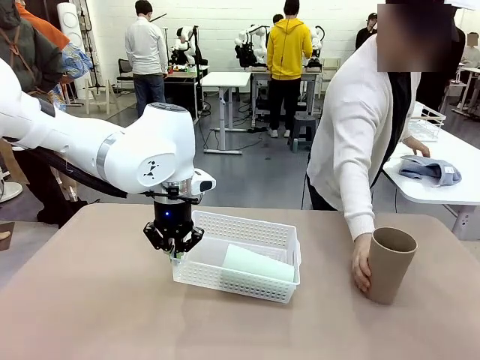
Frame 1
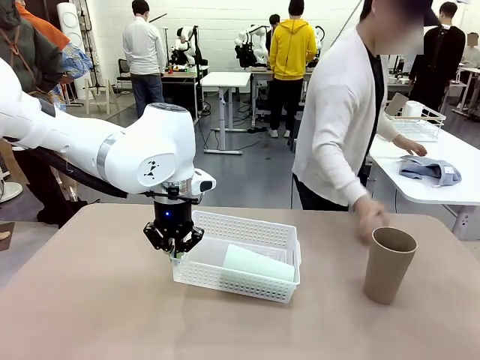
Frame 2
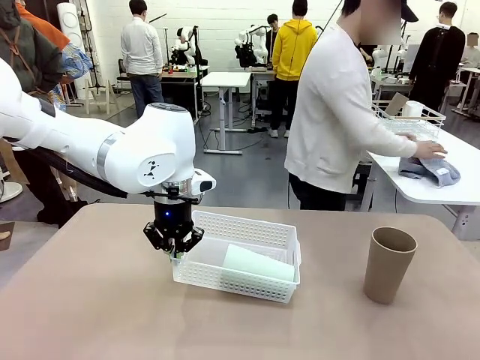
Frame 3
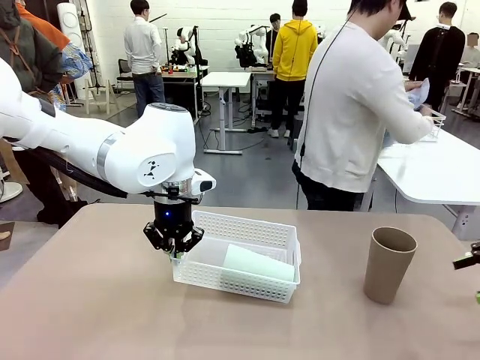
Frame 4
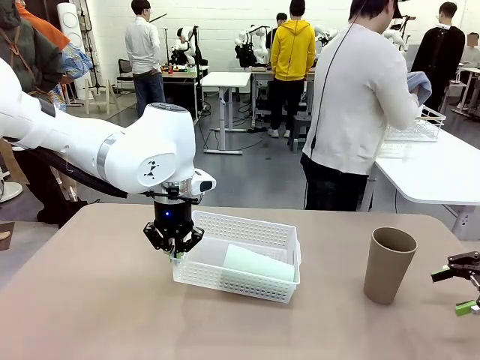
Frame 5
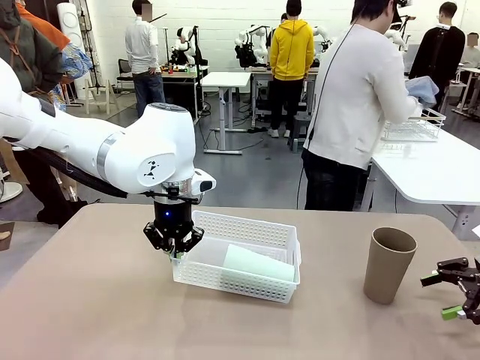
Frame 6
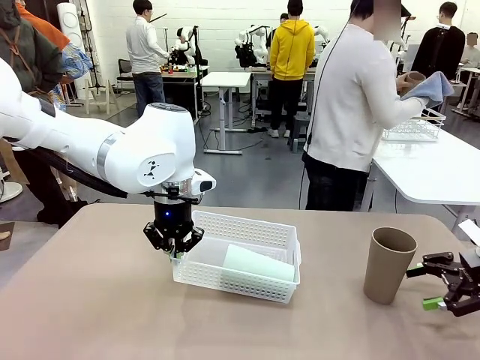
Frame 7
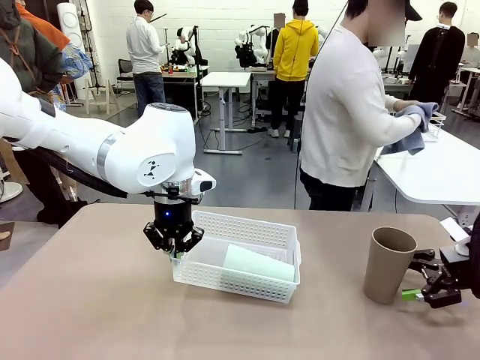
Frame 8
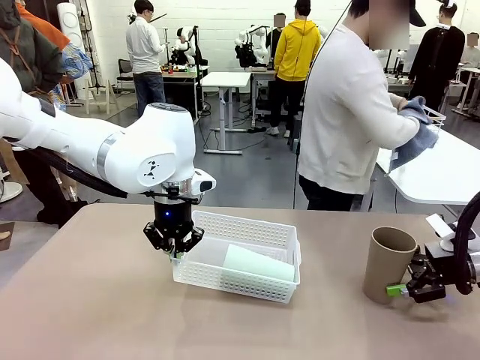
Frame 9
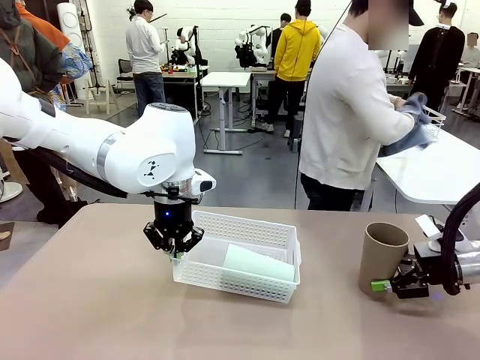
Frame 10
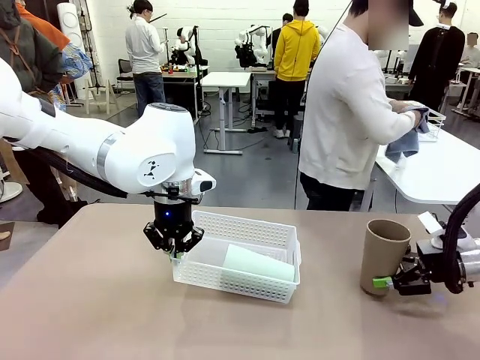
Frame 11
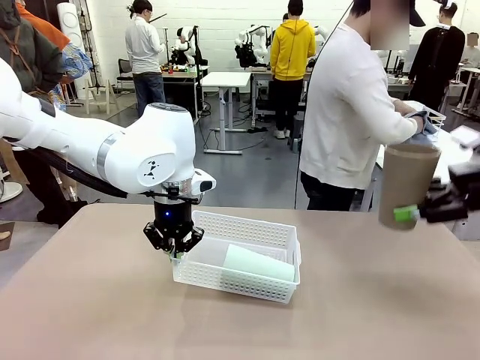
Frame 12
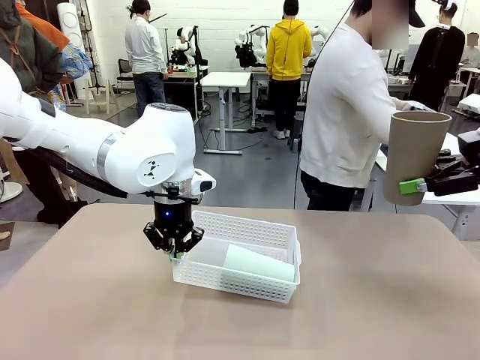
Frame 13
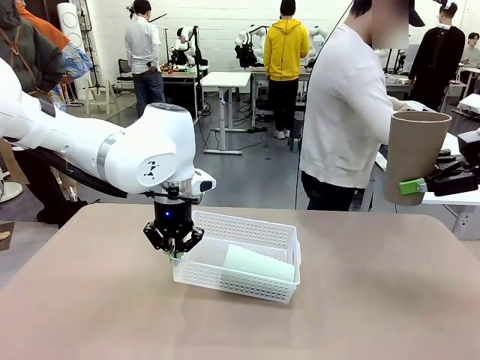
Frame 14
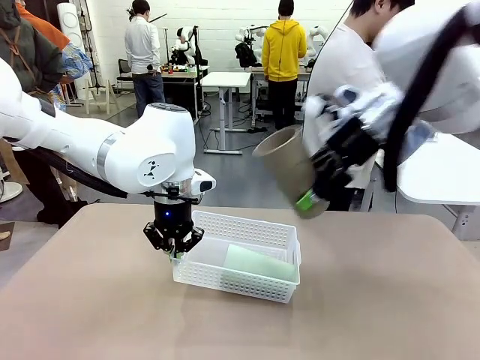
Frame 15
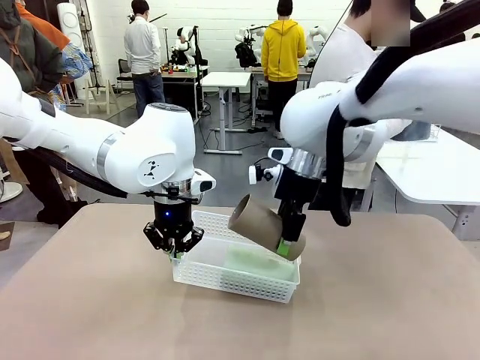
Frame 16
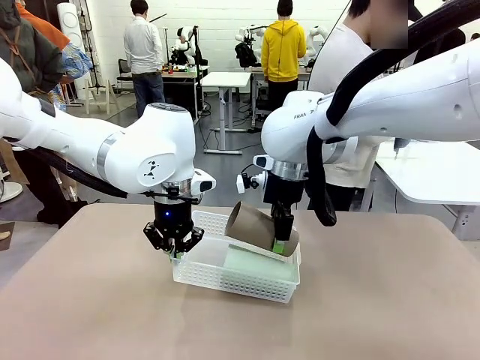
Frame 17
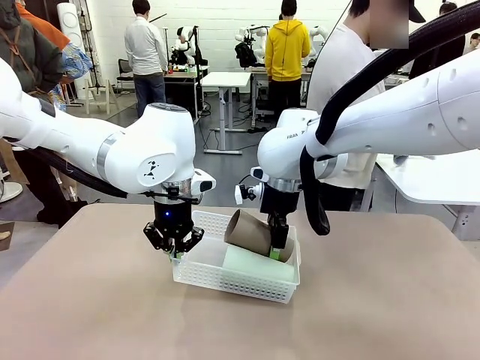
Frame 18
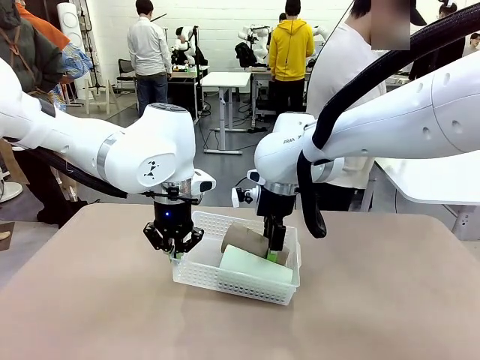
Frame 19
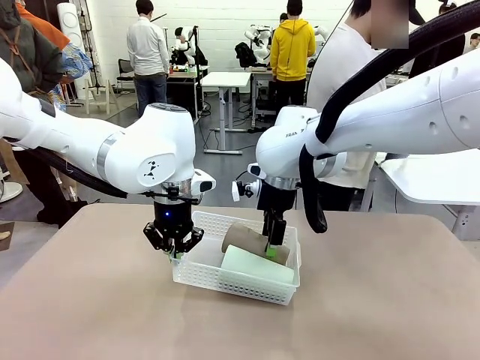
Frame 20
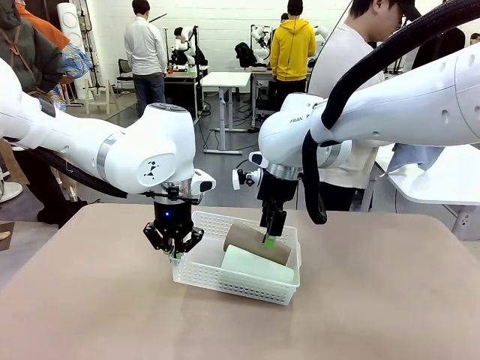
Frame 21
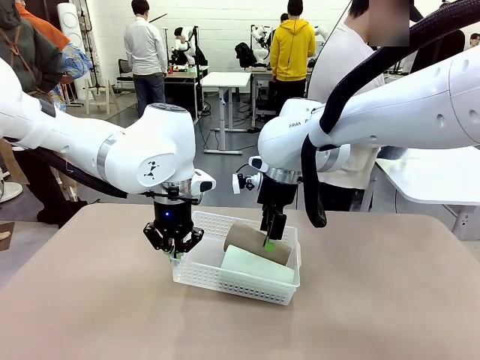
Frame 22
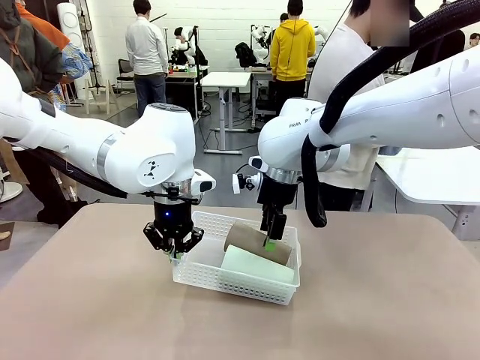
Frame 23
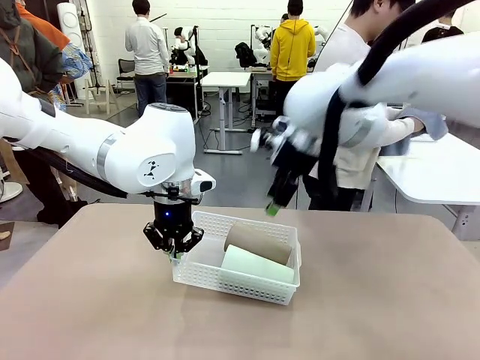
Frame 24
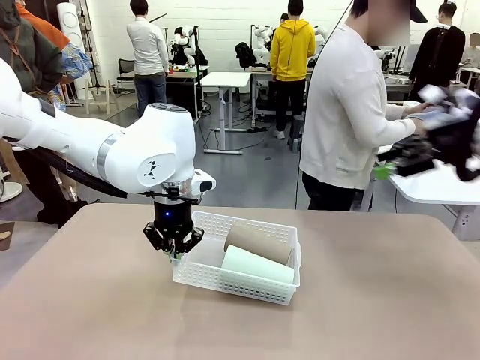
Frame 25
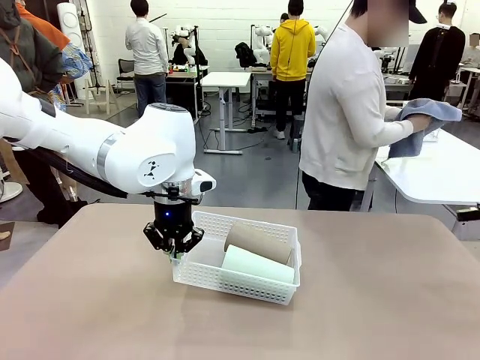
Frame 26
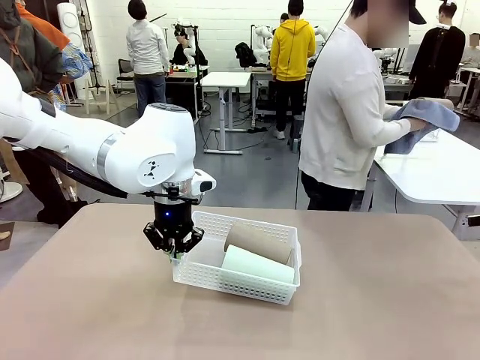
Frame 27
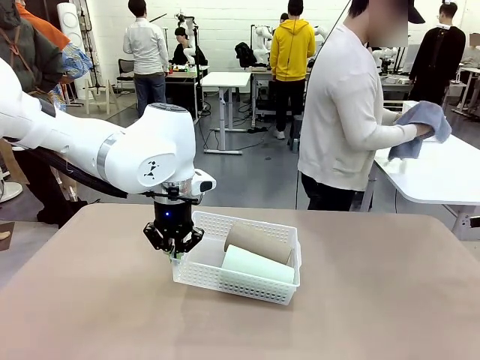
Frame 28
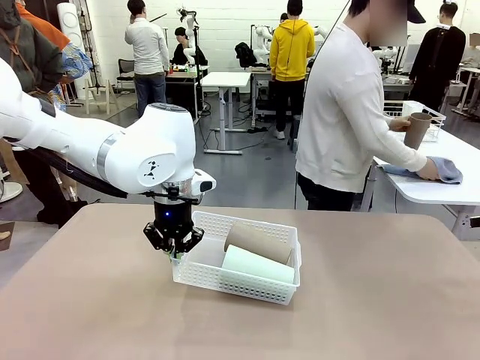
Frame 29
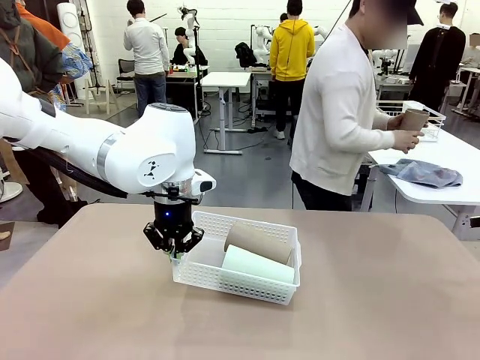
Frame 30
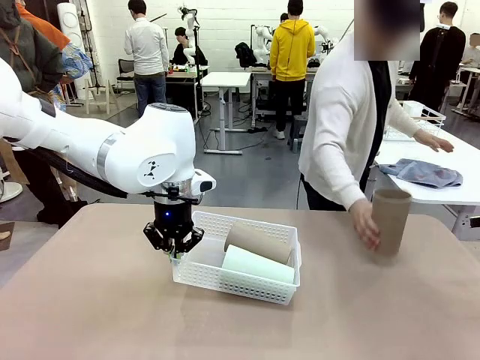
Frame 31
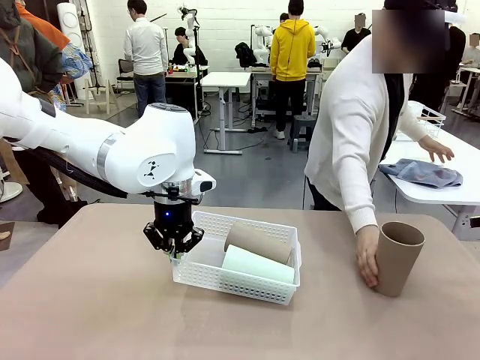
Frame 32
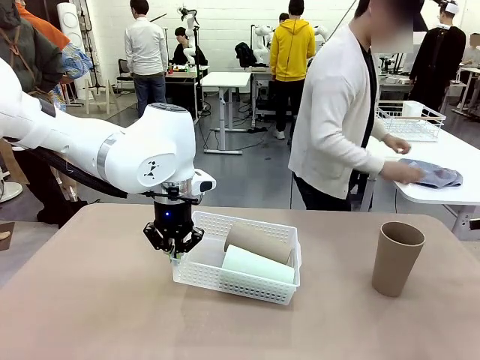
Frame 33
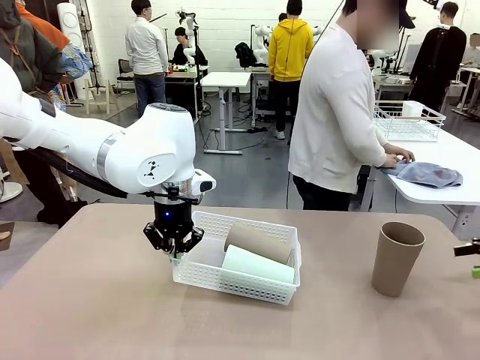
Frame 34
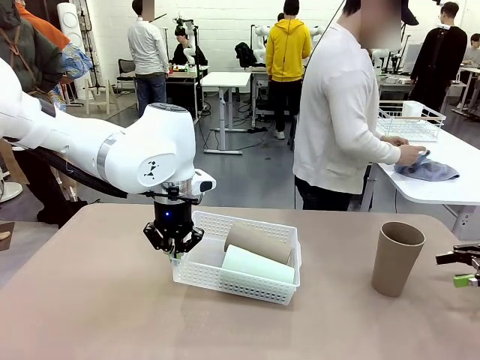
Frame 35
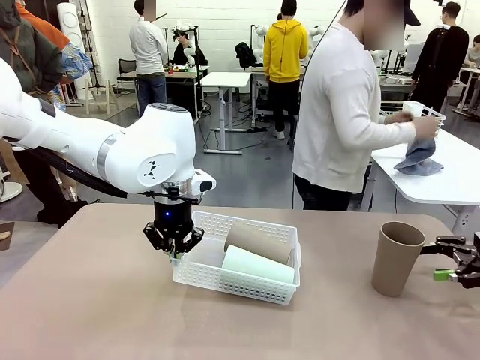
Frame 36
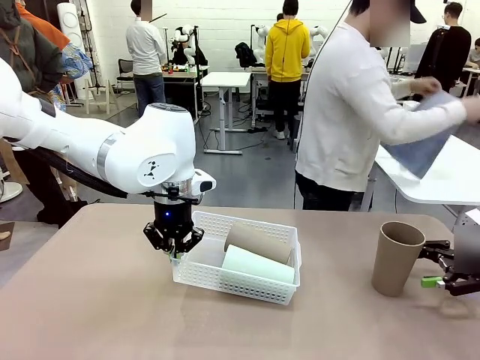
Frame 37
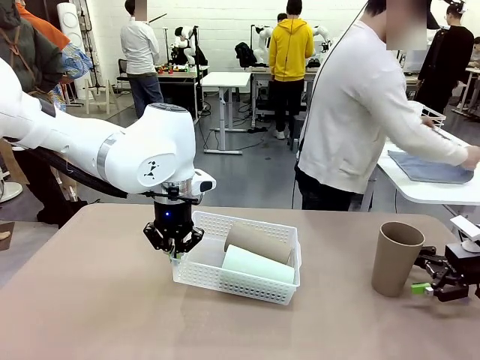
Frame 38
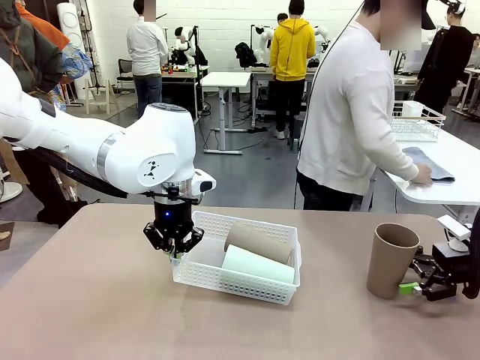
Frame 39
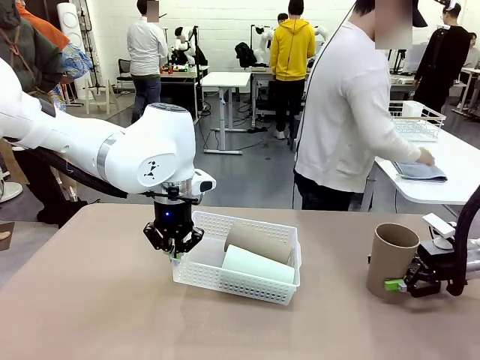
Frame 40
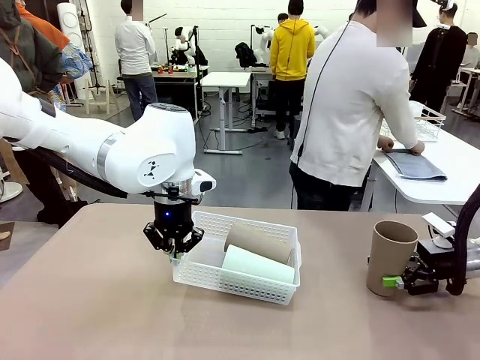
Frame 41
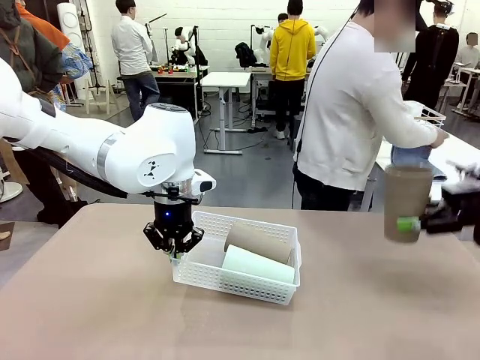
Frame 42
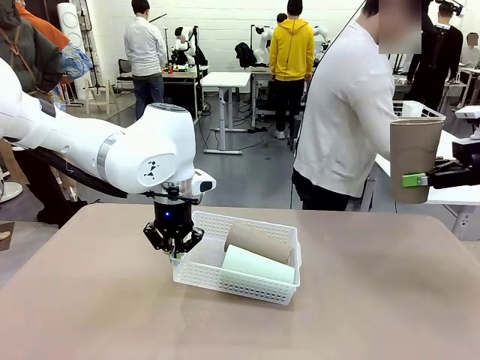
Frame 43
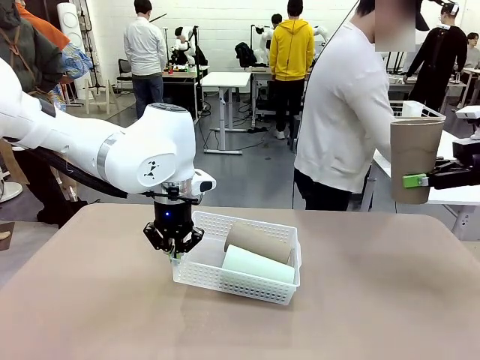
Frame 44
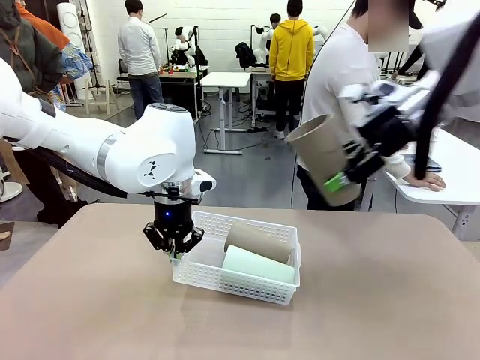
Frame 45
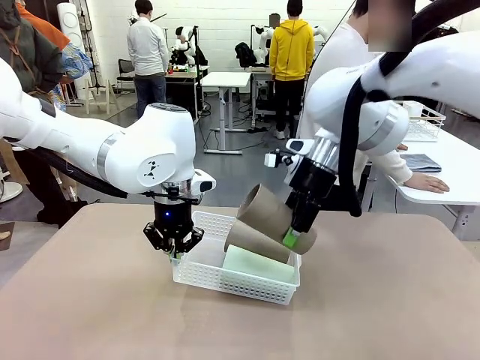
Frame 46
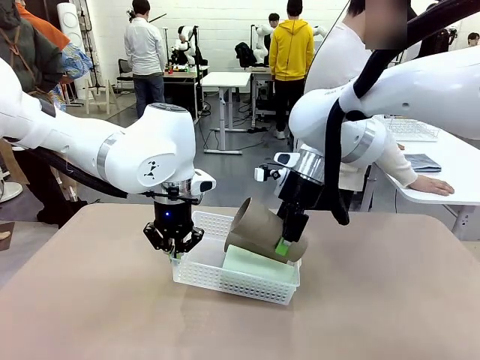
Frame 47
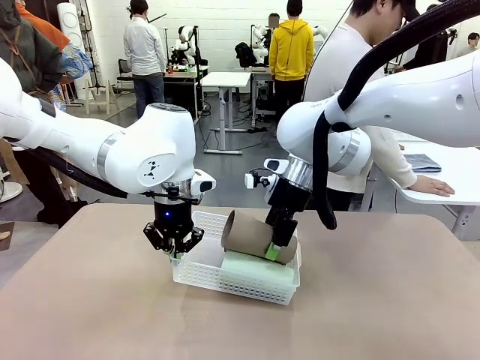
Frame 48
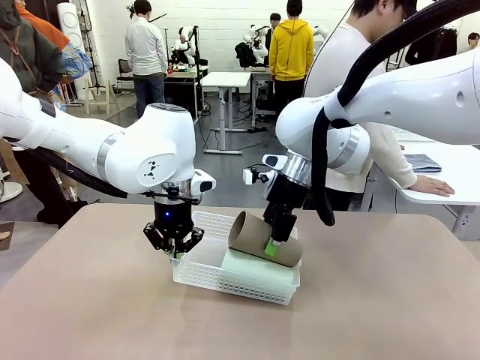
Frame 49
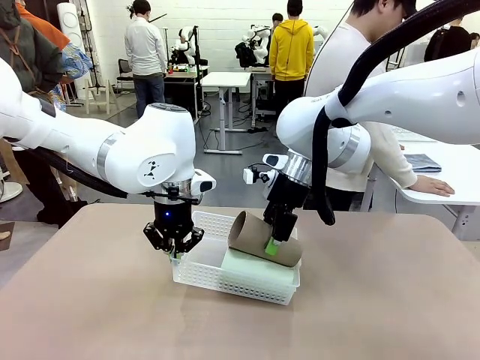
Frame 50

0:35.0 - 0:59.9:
Task: Clean and organize the cups into the basket.
Robot: Pick up the Reusable plastic cup from the right side of the table and stack it inside the Organizing basket in the center of the table.
